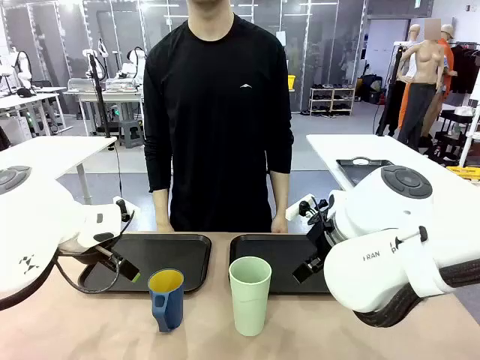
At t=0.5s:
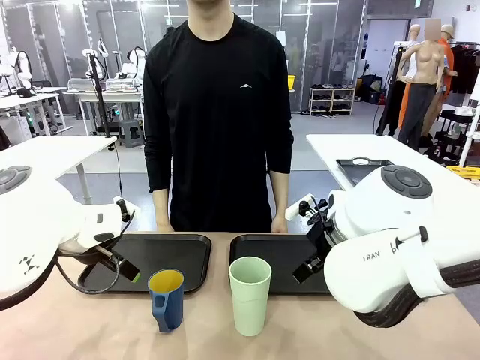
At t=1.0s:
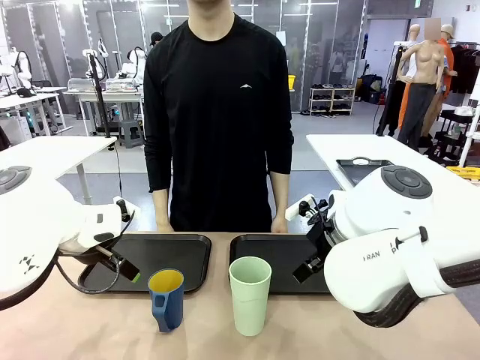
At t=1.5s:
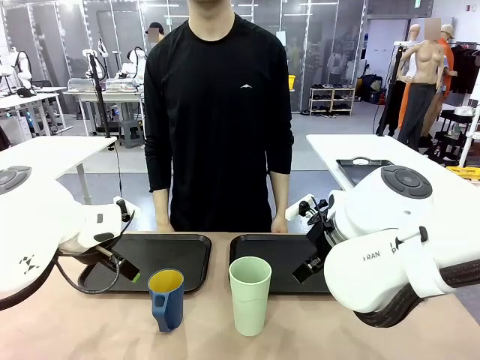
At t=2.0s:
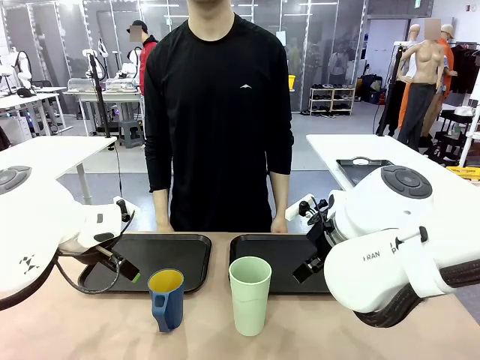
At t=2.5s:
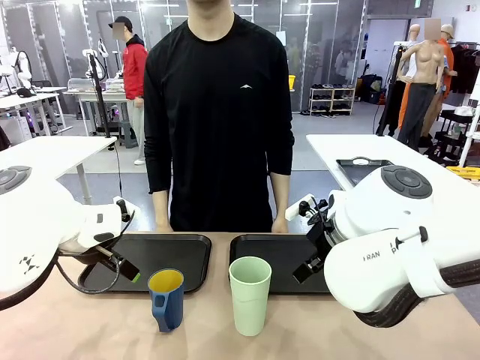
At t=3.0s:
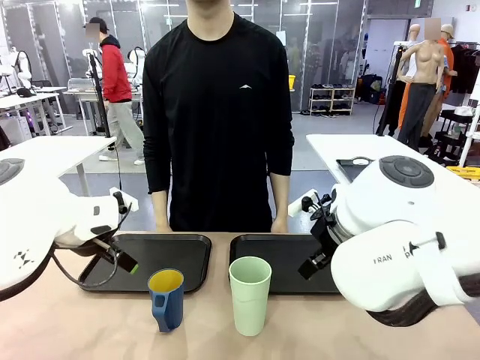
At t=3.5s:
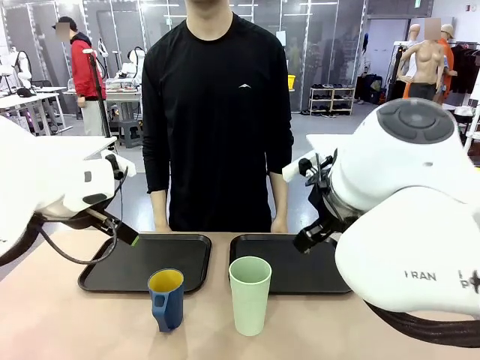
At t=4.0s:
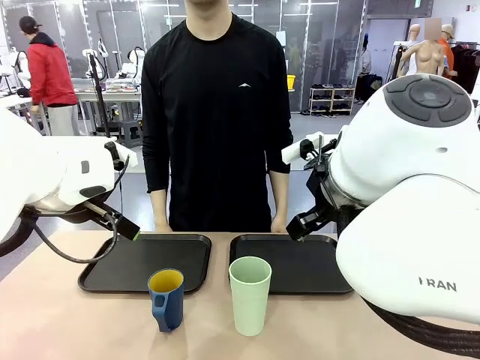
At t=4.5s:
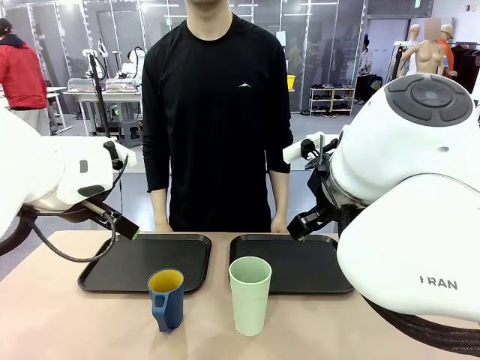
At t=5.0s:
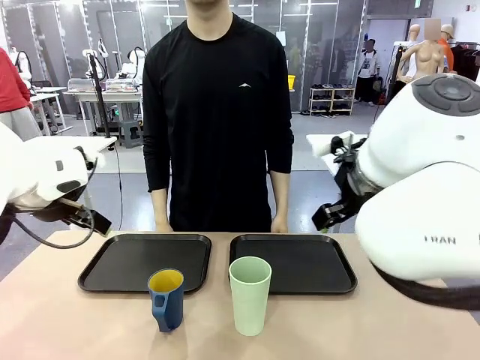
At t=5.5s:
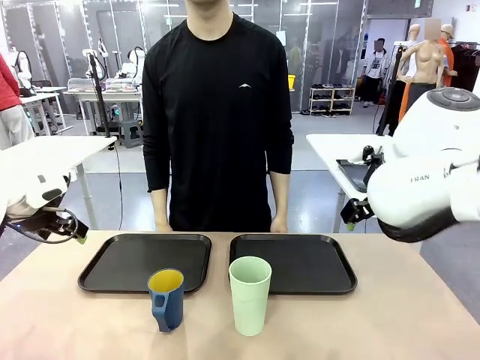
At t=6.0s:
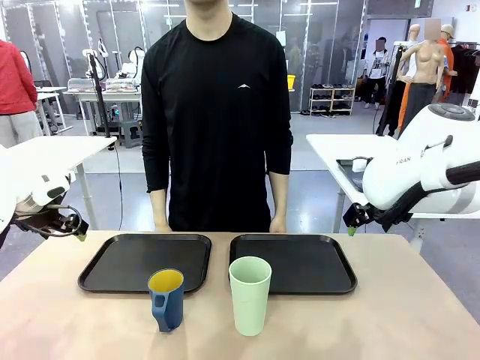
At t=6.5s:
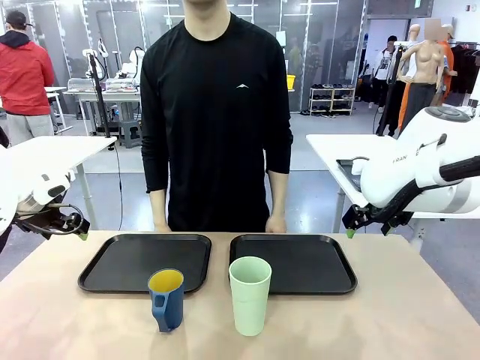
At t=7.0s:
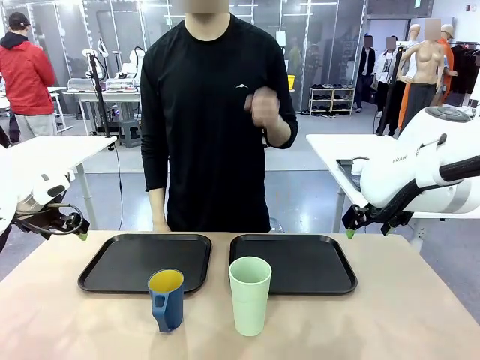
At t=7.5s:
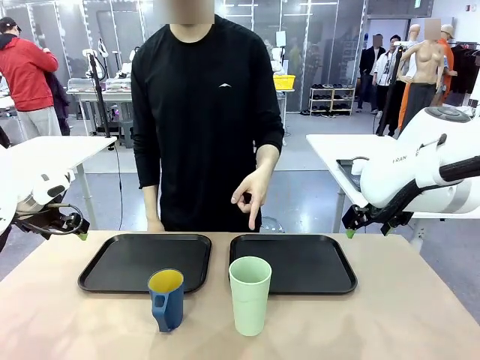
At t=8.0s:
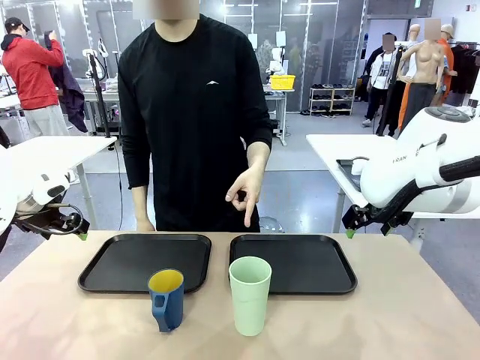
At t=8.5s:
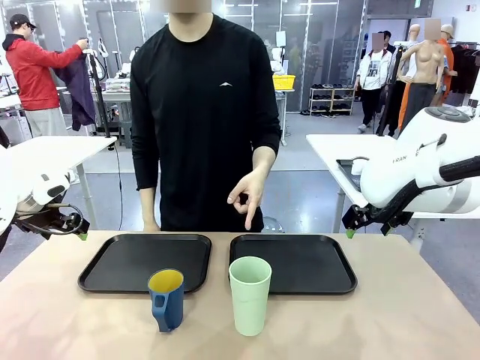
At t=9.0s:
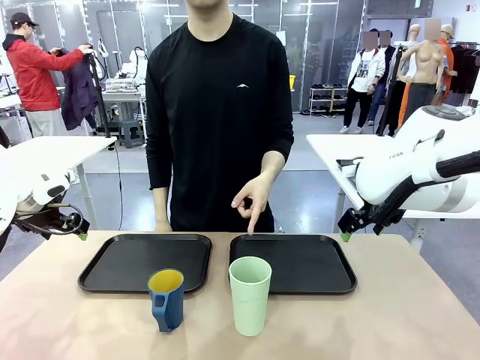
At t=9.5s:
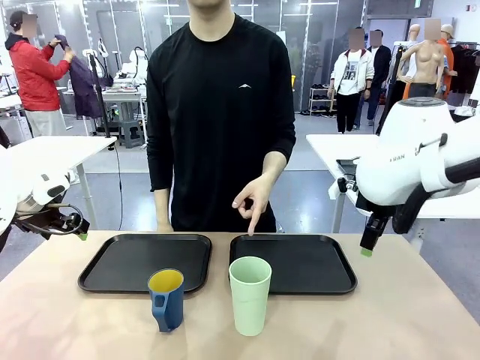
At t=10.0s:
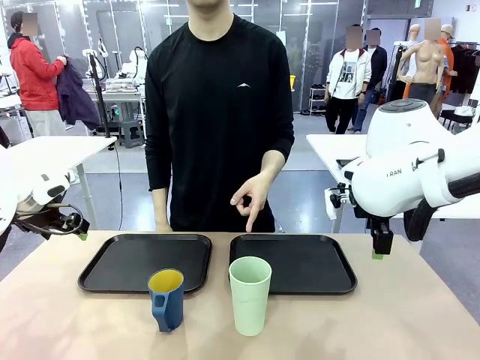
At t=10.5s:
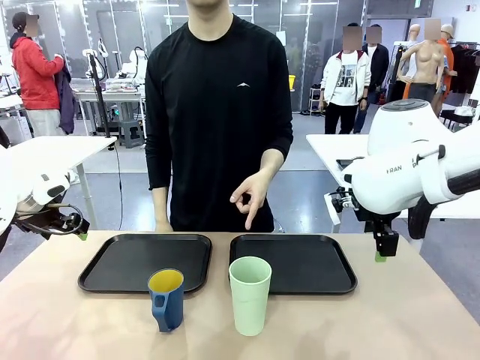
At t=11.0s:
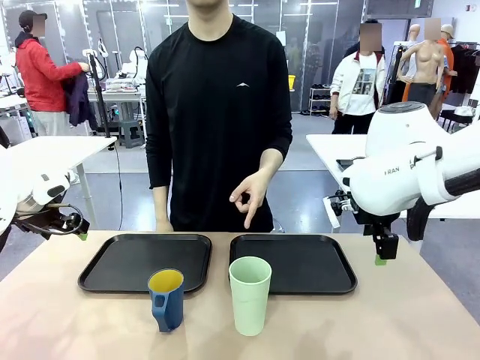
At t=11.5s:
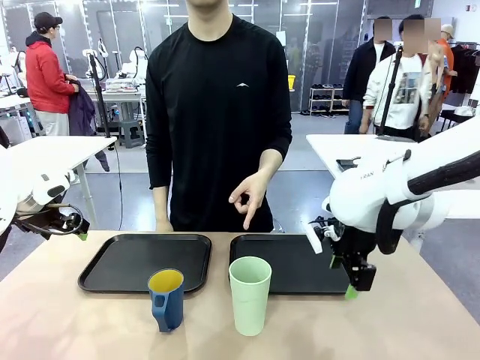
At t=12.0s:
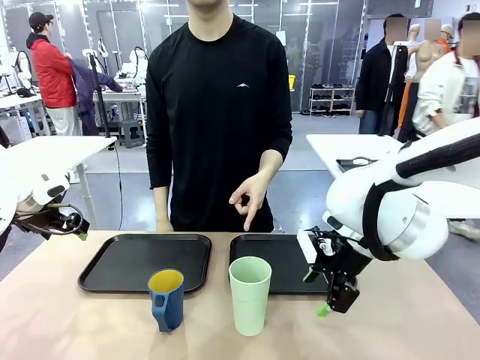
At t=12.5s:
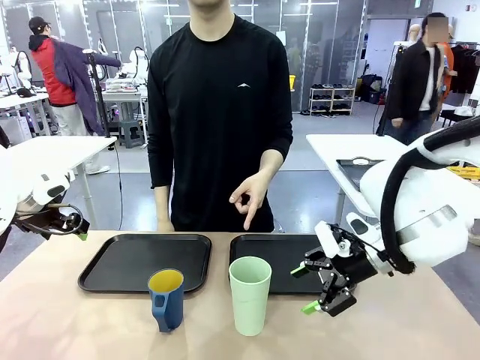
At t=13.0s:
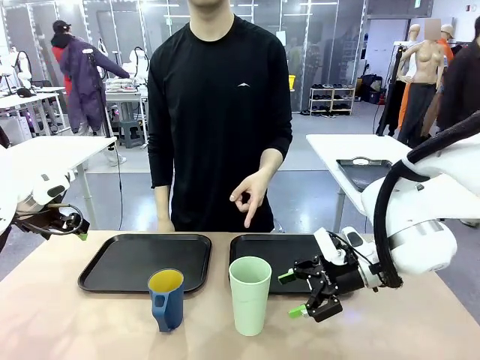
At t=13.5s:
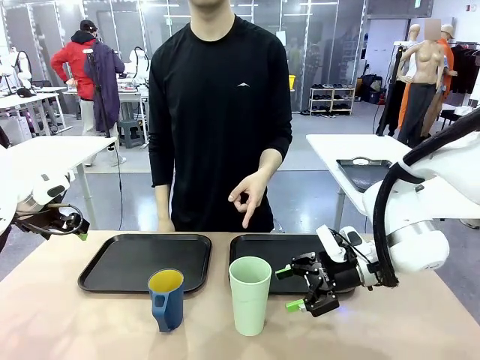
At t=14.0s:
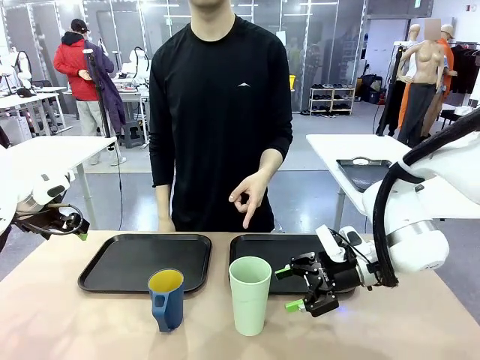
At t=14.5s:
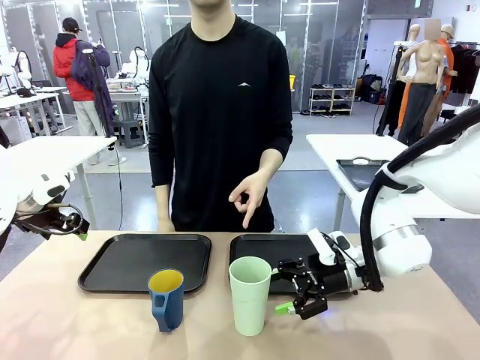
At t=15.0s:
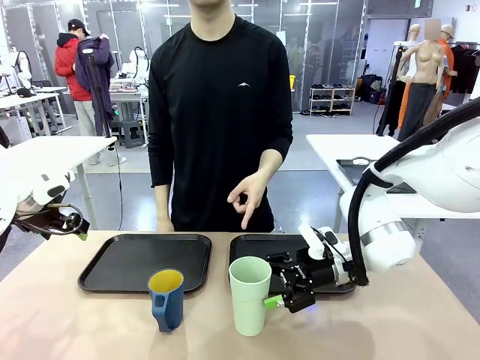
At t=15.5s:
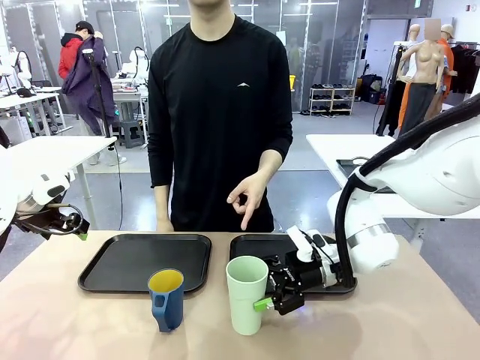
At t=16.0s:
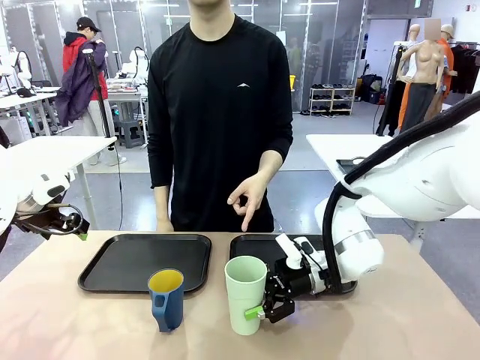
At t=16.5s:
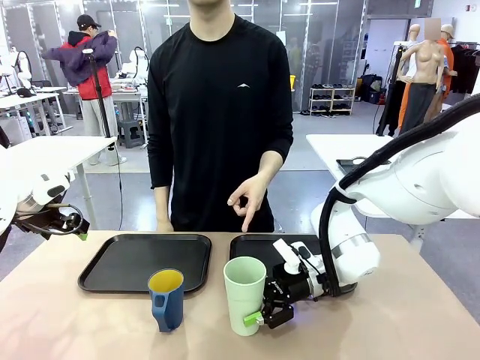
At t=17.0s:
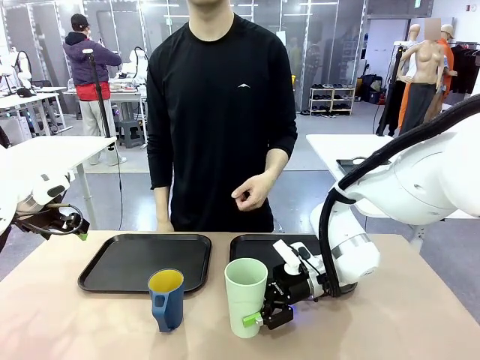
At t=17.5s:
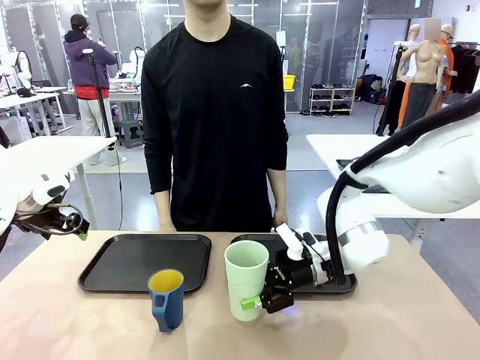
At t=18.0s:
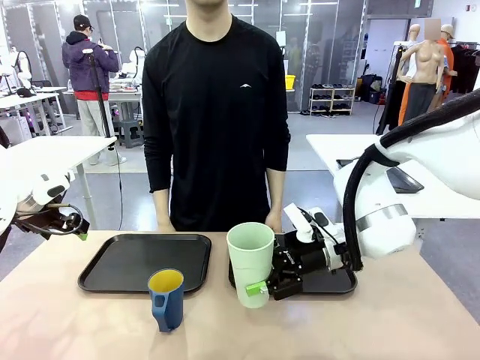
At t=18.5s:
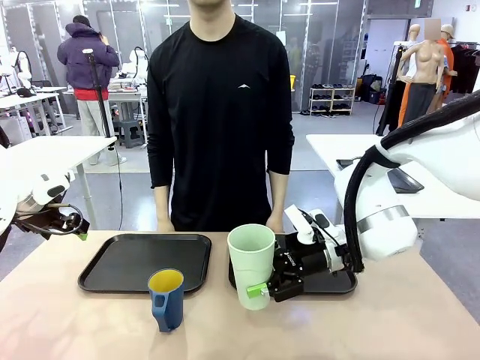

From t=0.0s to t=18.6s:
Task: Sort and store the cups by type.
Robot: Pick up the Reusable plastic cup.
Person: Points to the reusable cup. Point to one of the two trays.

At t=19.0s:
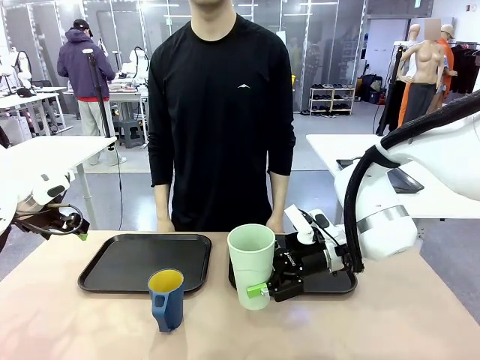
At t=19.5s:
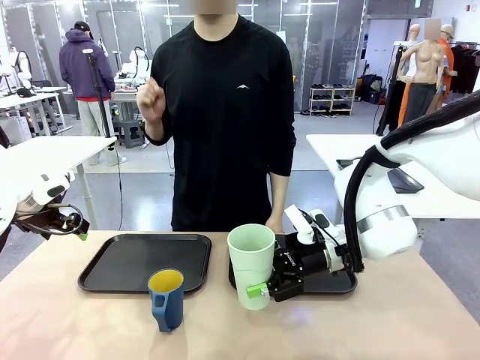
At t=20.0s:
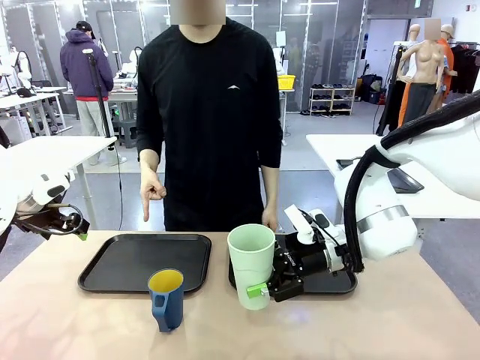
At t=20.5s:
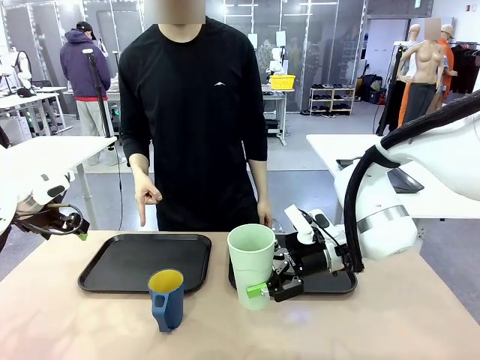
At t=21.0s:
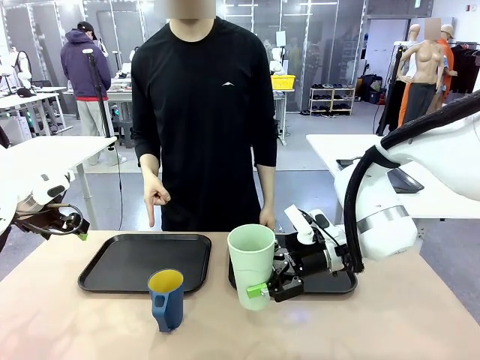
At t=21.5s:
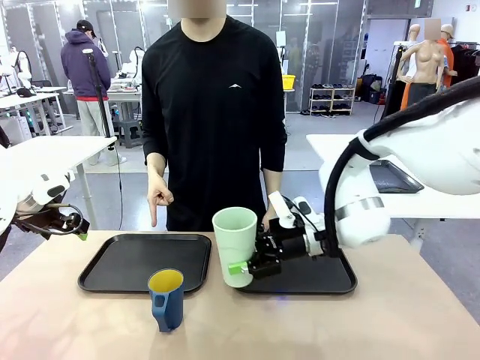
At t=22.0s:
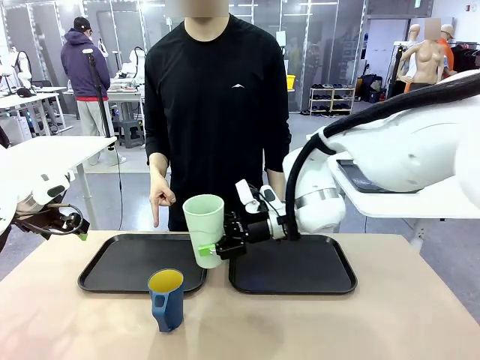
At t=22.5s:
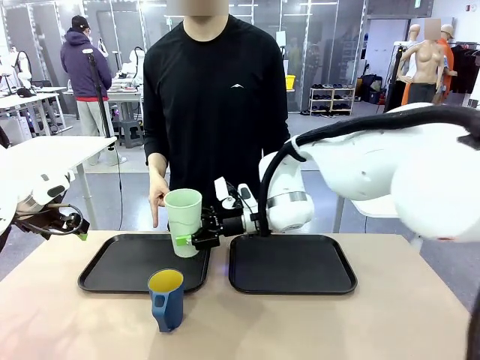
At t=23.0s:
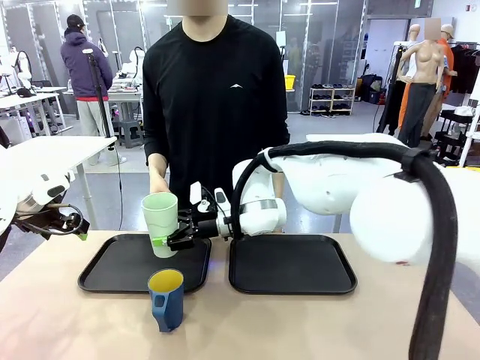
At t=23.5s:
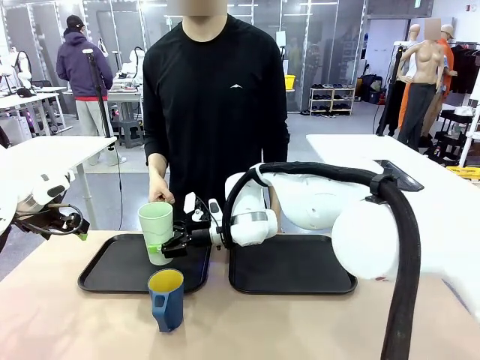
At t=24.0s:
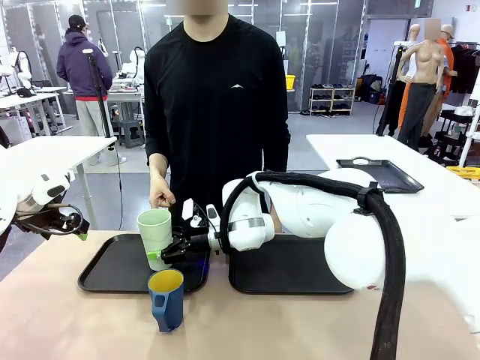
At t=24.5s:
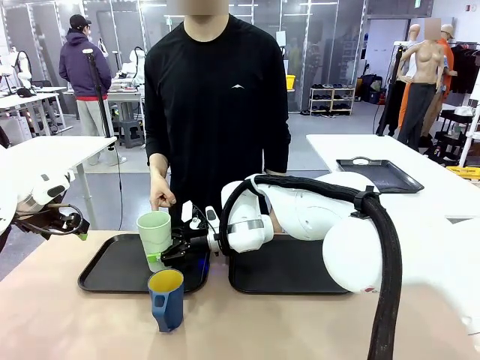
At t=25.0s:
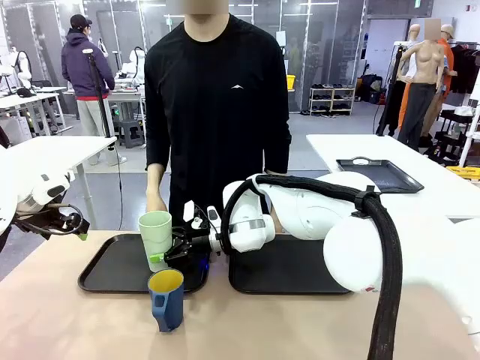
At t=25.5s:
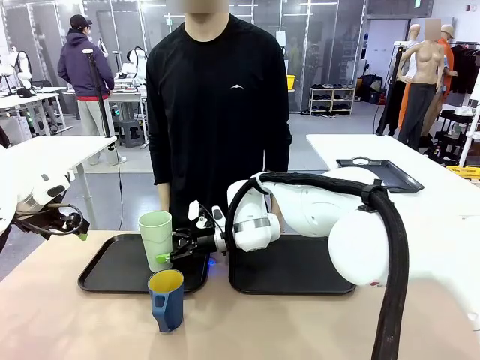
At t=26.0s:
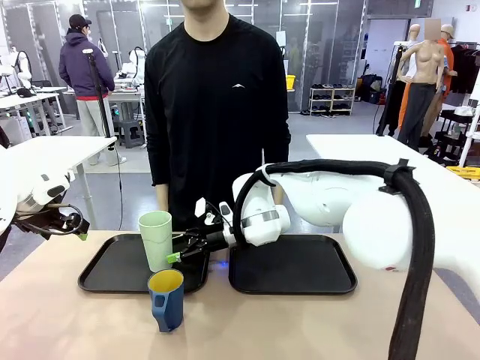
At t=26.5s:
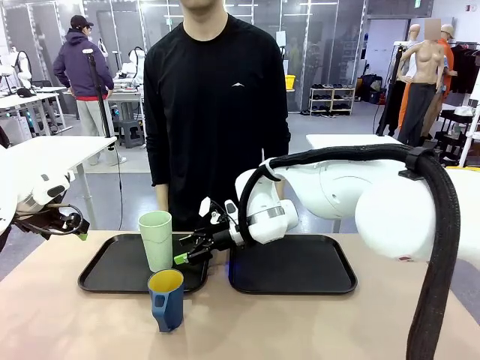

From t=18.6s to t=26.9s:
Robot: Place the picked Reusable plastic cup into the Flat Tray indicated by the person.
